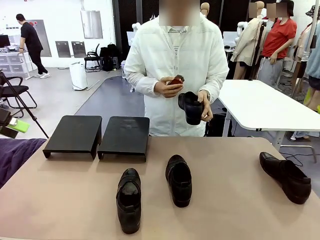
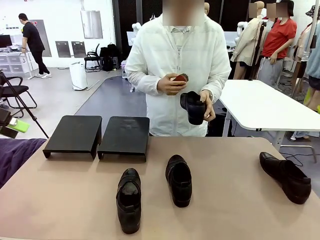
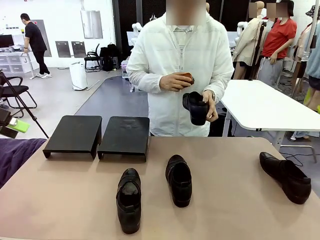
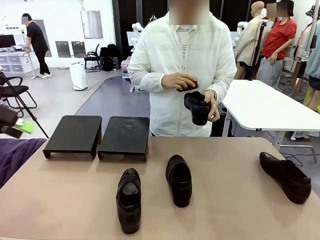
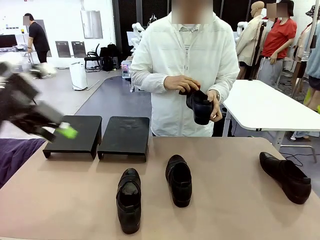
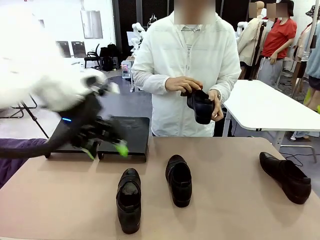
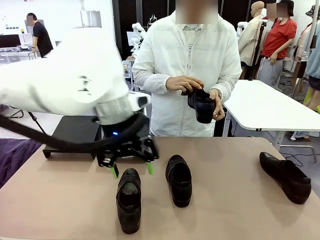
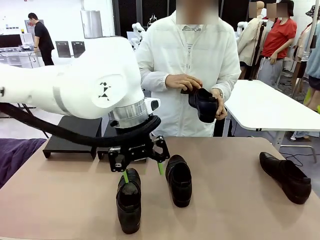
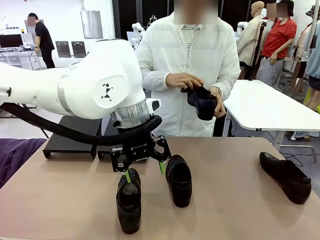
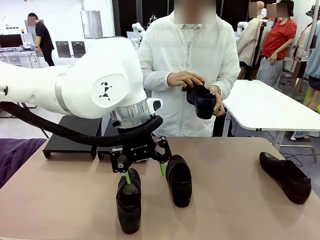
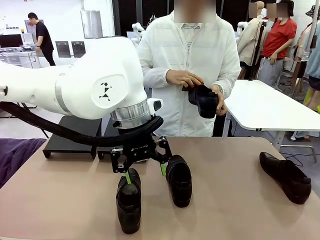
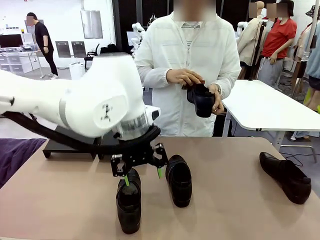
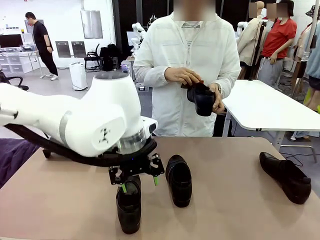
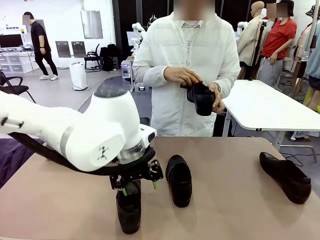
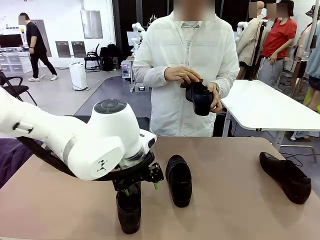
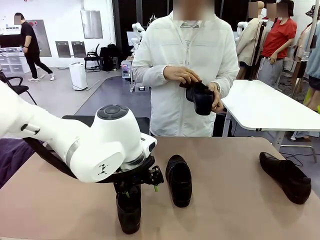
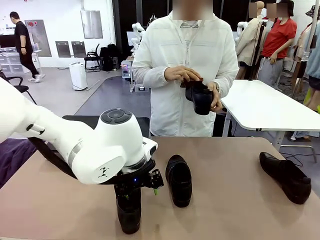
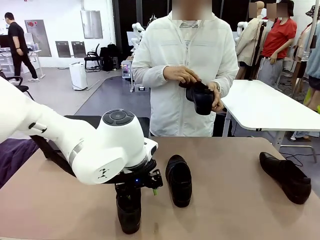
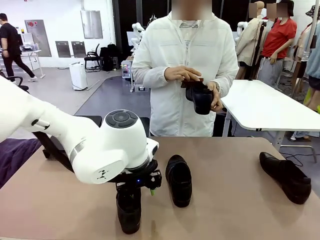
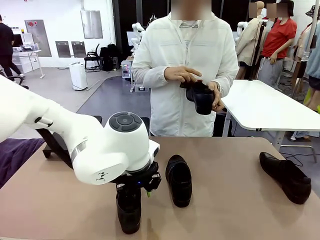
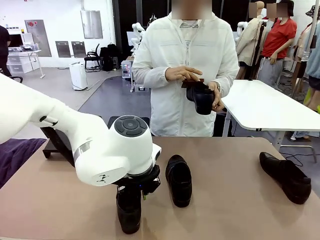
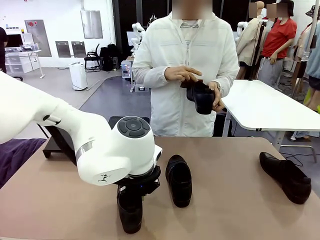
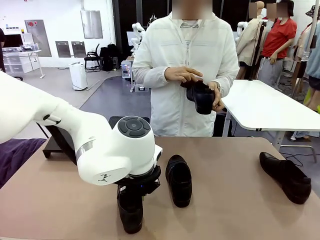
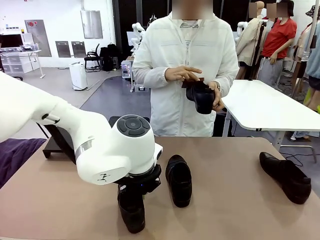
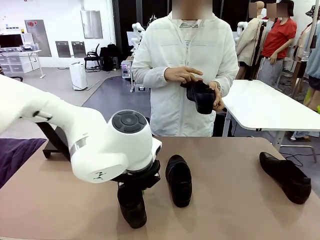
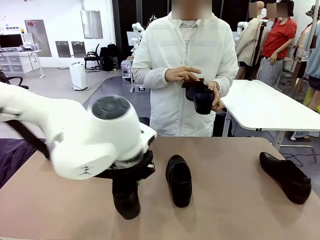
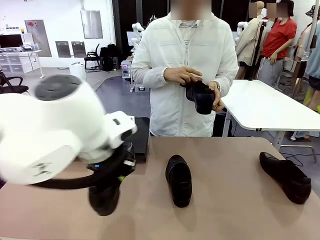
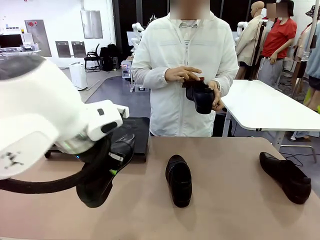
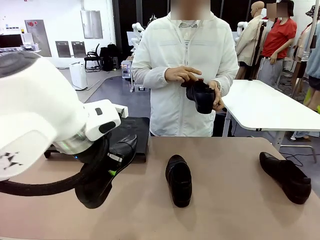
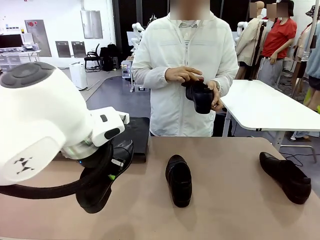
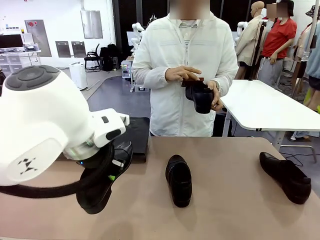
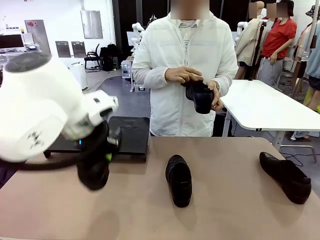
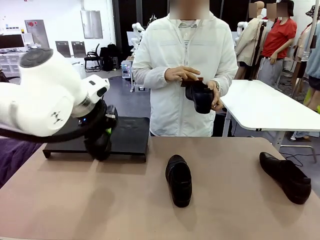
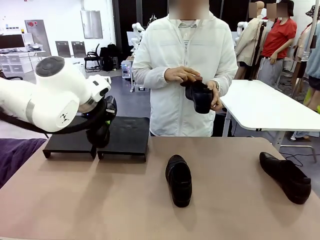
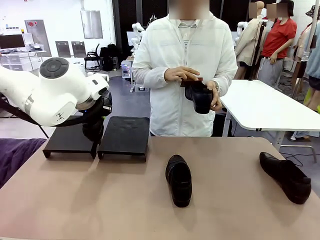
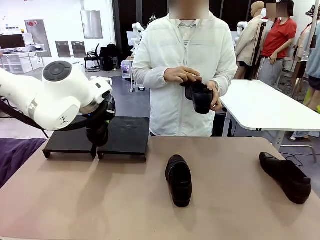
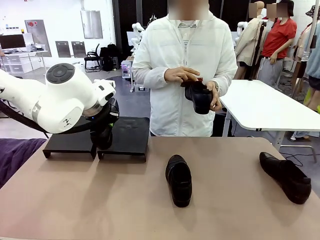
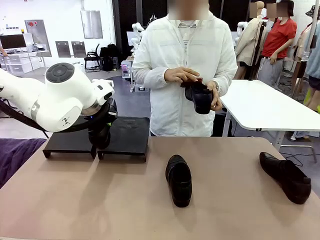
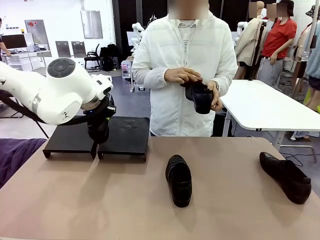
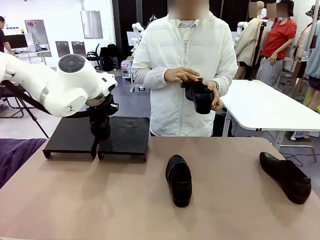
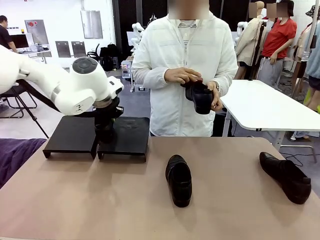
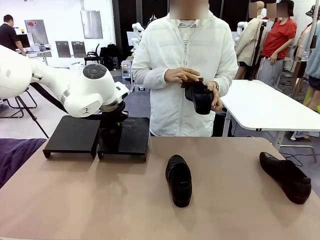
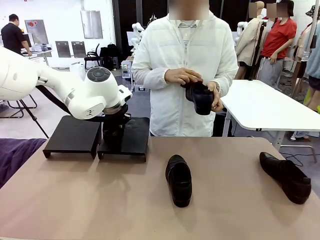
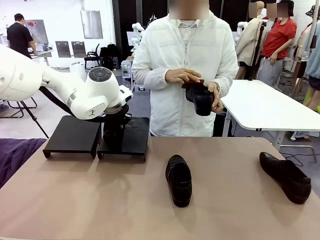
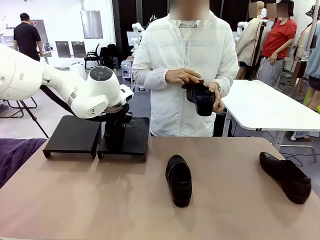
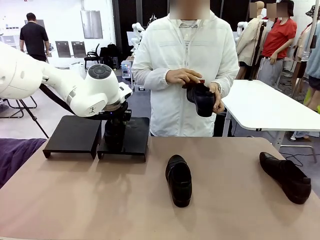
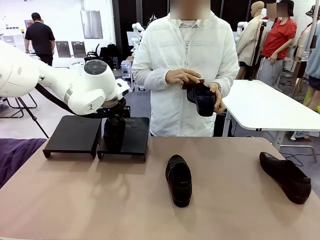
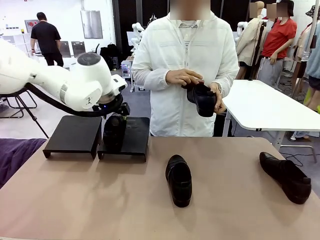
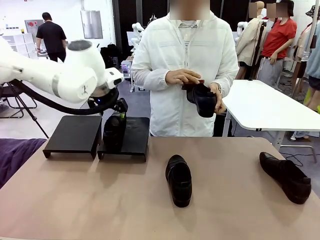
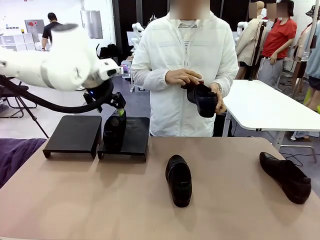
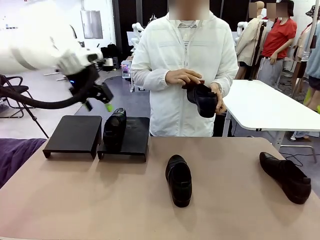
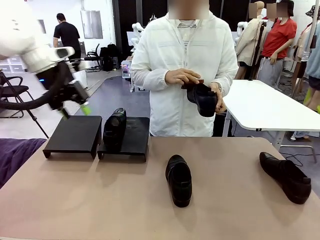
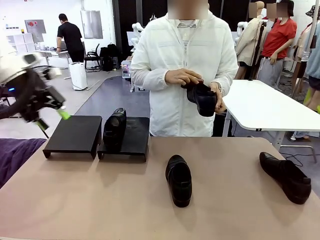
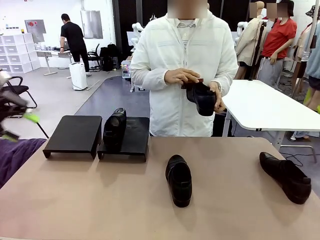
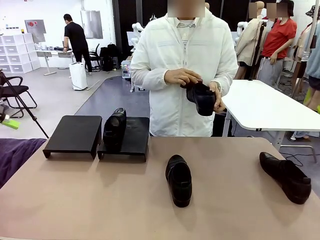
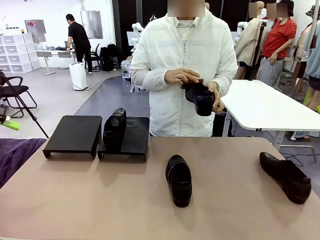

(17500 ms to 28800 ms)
Task: Organize the shoes by placing them on the stand.
Robot: Place the Shoe from the middle of the table onto the Shoes Stand.
Person: Clean the Shoe with the Shoe Brush.

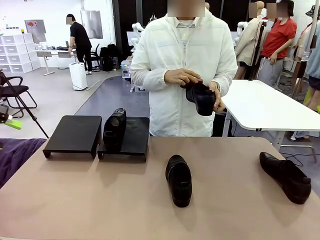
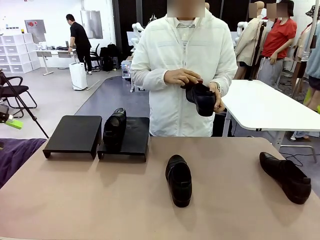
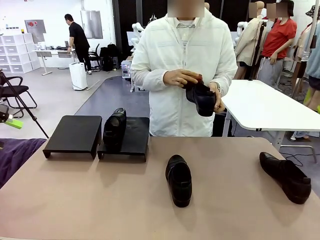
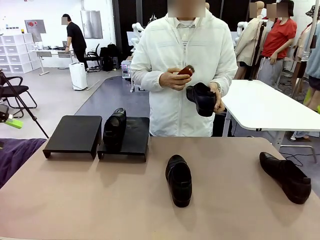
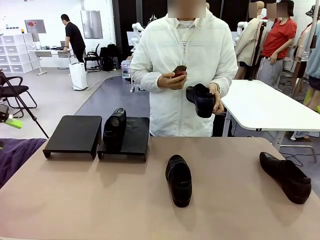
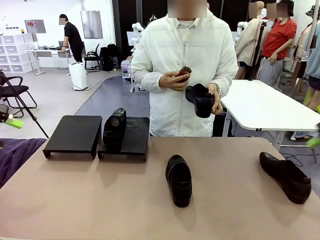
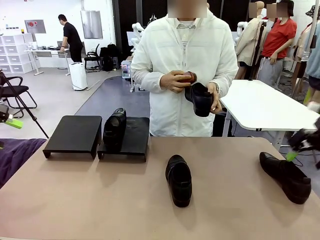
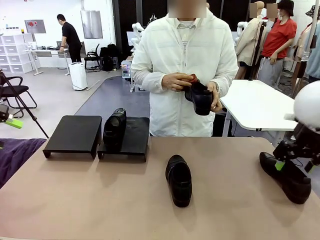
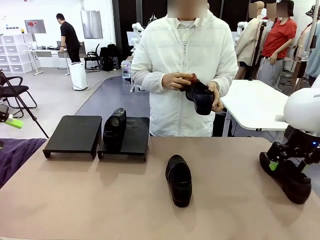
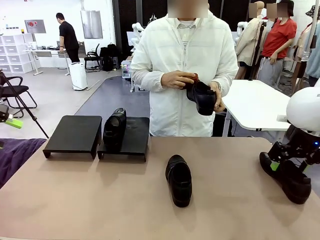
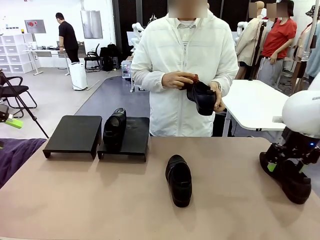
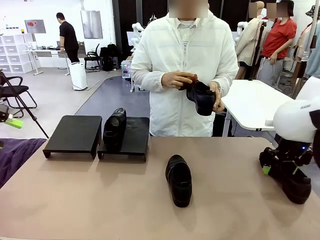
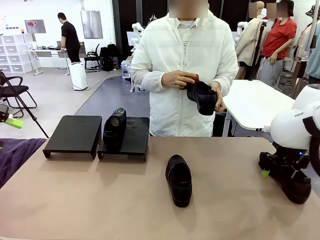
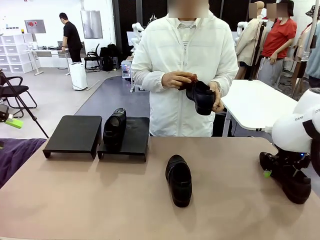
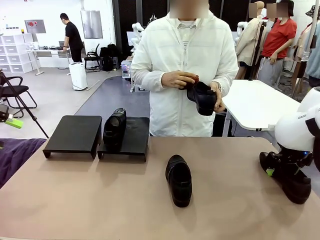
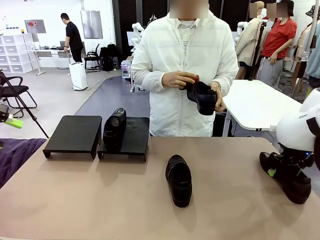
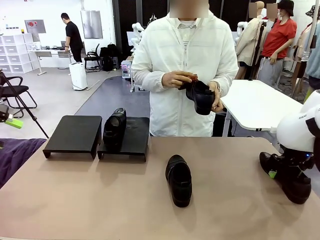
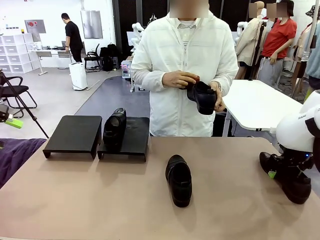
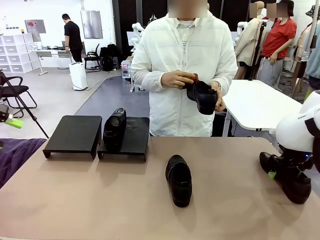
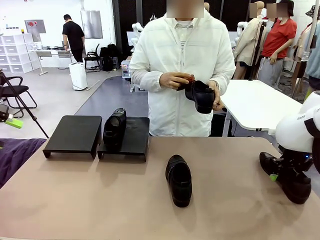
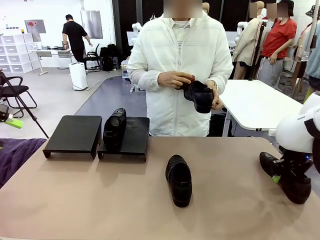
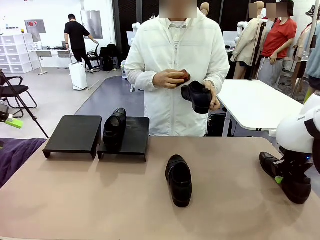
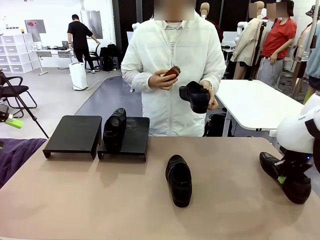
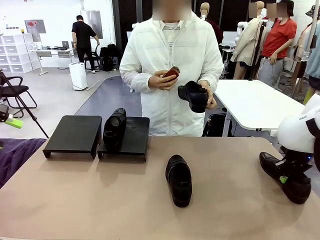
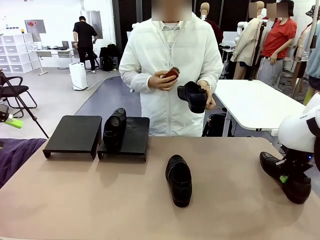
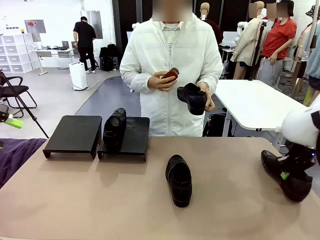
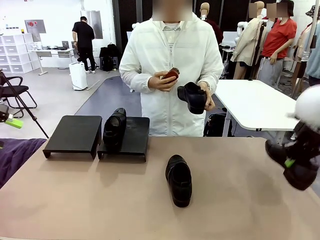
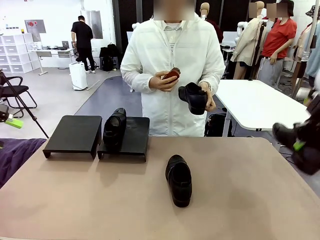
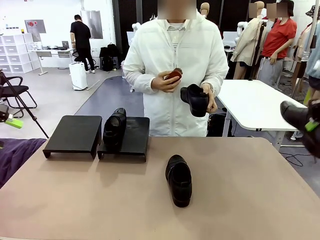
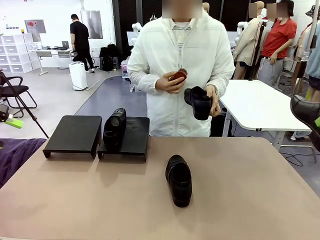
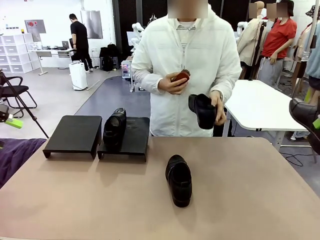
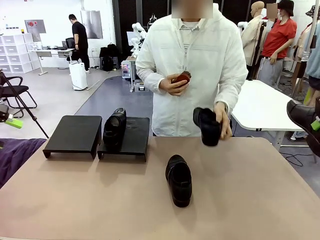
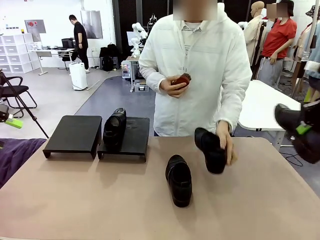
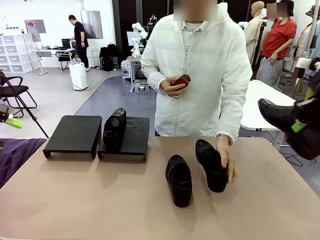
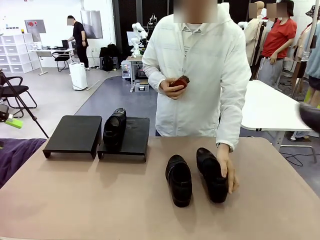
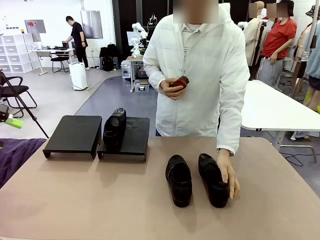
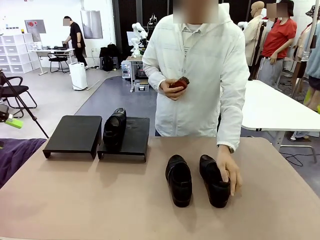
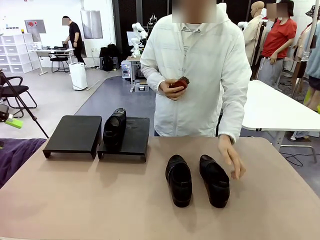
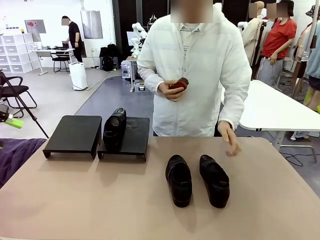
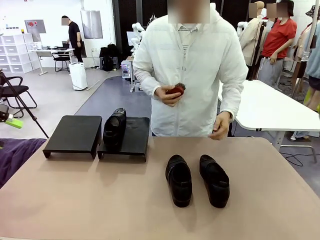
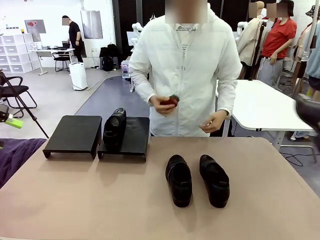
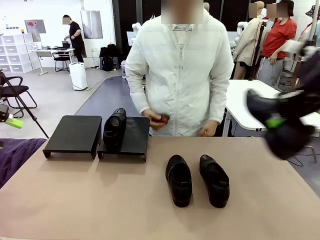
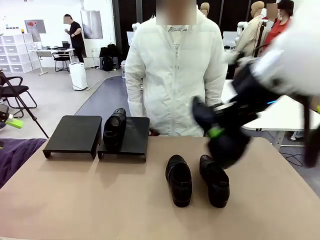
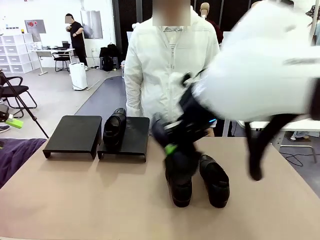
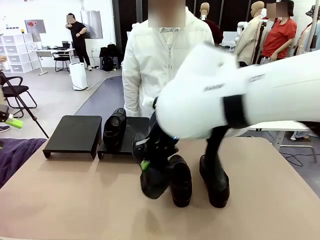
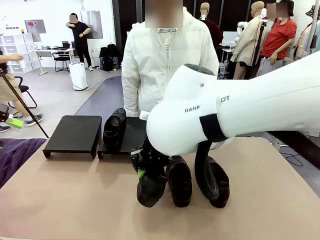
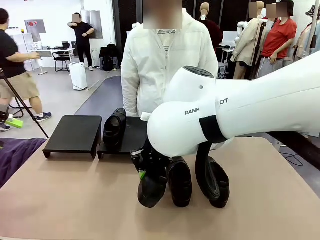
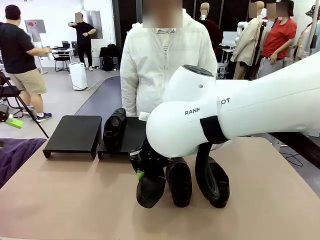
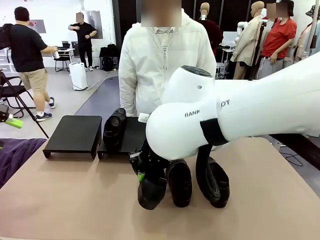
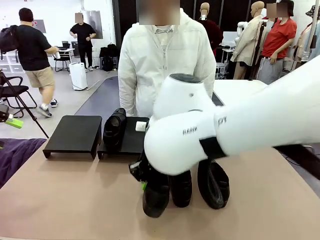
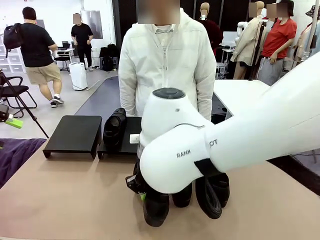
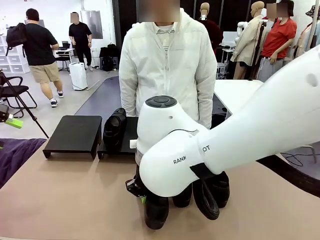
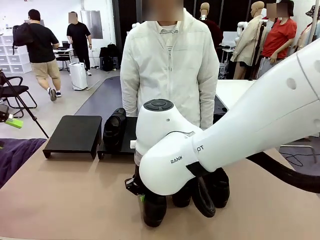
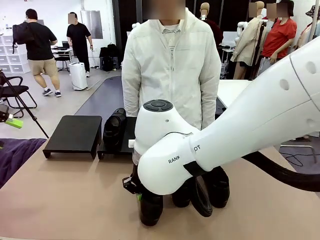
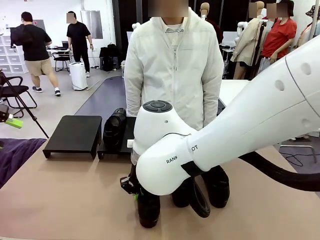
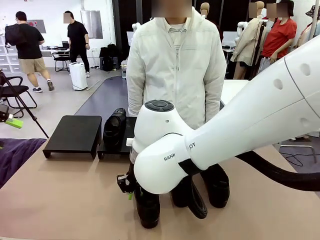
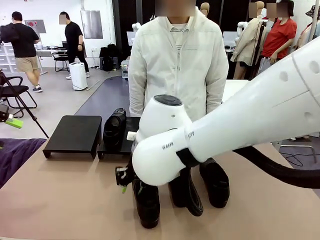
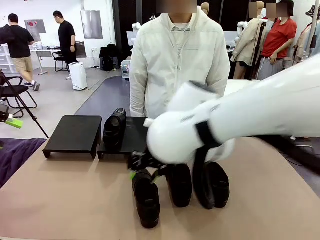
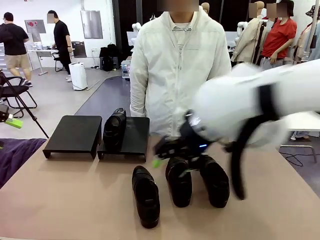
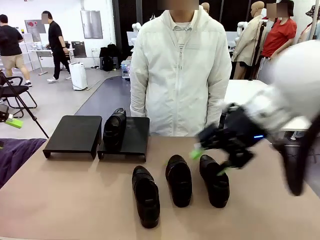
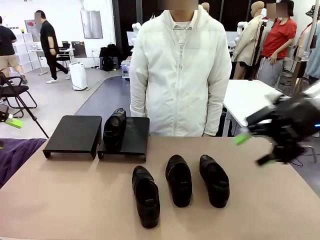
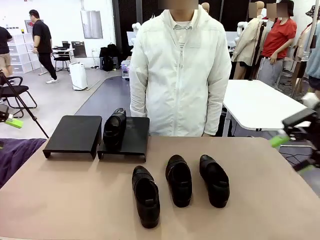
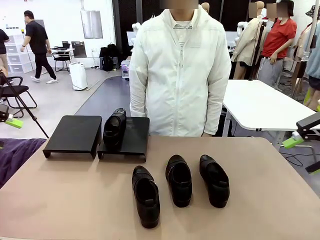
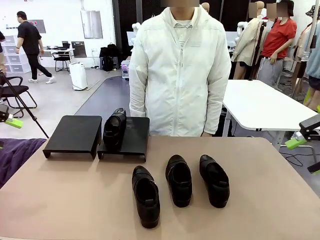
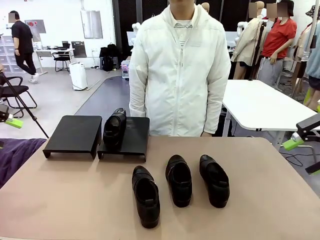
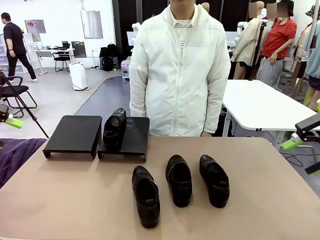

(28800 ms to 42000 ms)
Robot: Pick up one Shoe and place it in the middle of the table.
